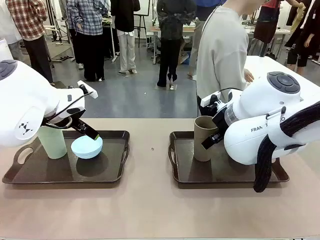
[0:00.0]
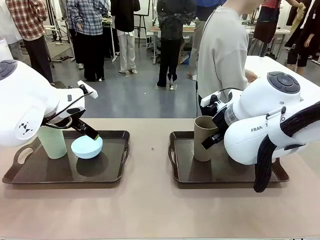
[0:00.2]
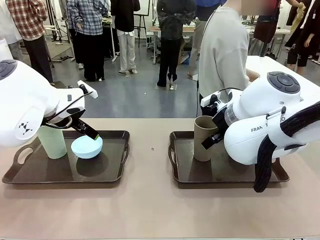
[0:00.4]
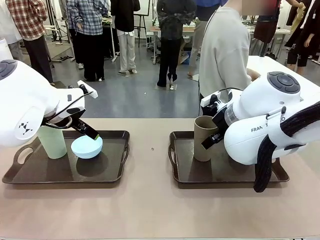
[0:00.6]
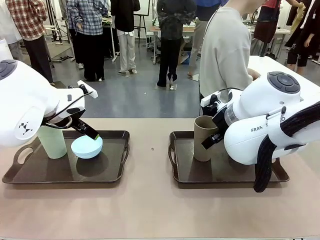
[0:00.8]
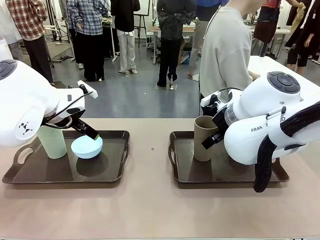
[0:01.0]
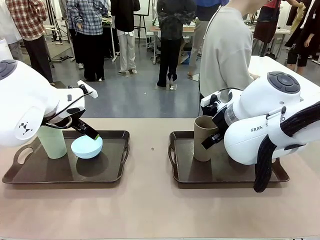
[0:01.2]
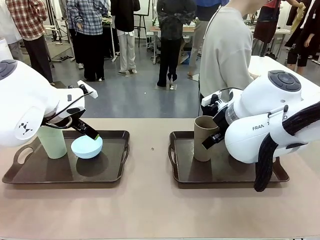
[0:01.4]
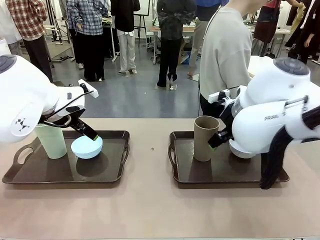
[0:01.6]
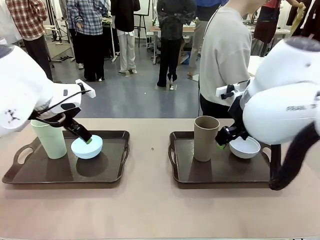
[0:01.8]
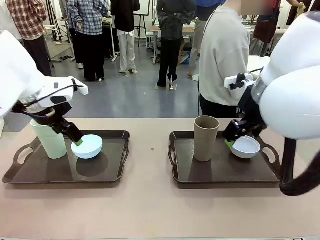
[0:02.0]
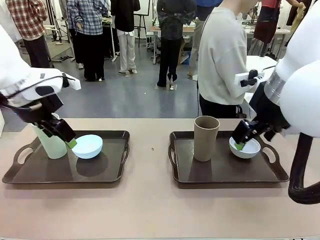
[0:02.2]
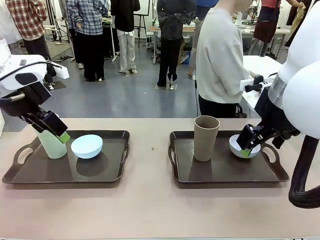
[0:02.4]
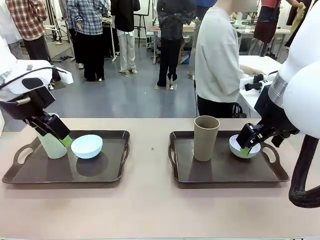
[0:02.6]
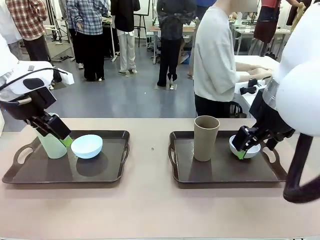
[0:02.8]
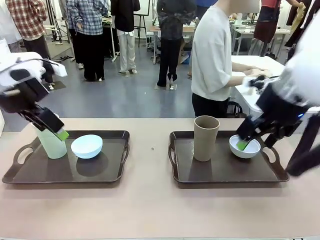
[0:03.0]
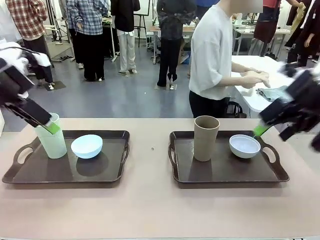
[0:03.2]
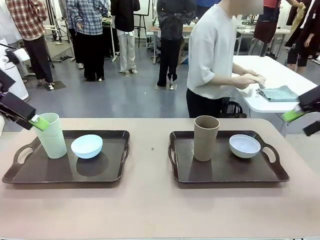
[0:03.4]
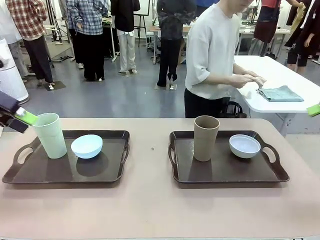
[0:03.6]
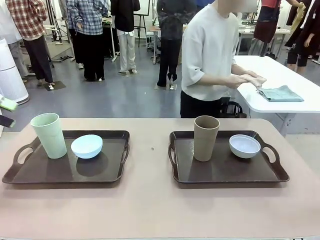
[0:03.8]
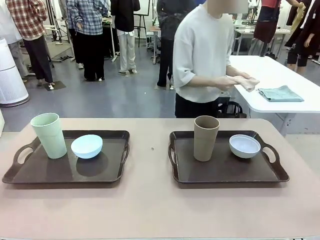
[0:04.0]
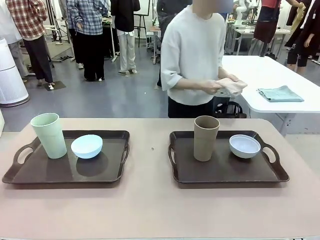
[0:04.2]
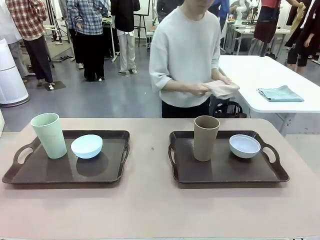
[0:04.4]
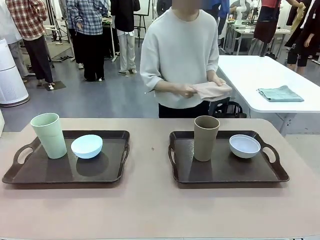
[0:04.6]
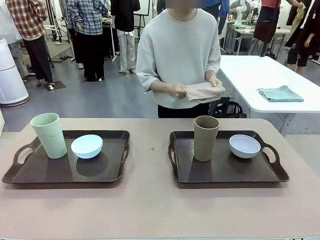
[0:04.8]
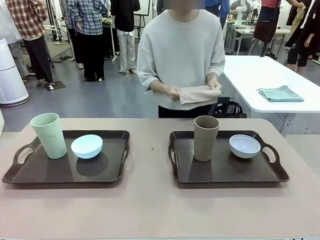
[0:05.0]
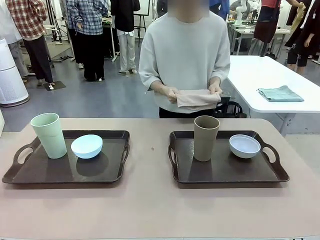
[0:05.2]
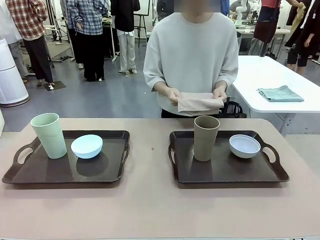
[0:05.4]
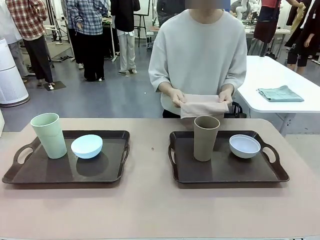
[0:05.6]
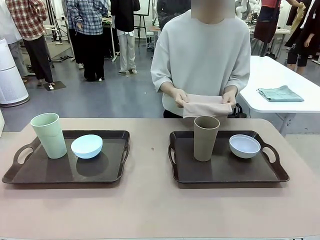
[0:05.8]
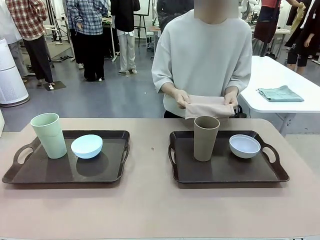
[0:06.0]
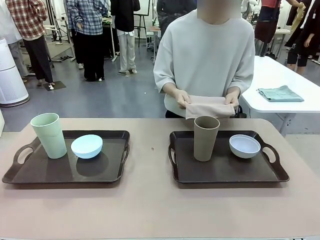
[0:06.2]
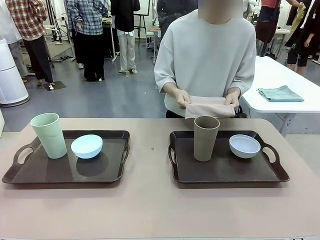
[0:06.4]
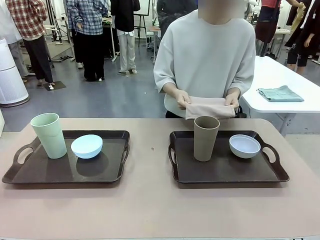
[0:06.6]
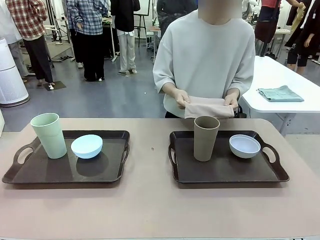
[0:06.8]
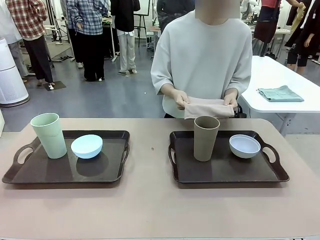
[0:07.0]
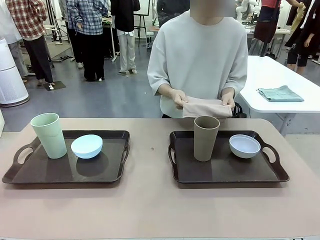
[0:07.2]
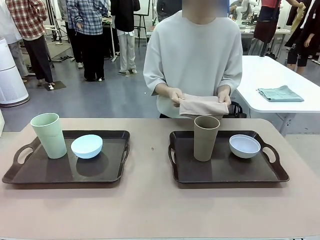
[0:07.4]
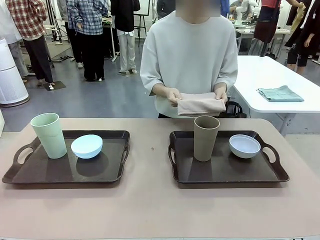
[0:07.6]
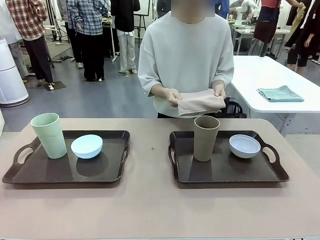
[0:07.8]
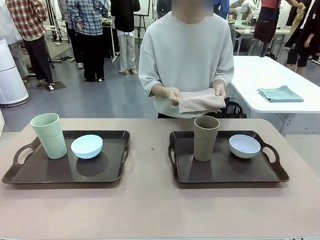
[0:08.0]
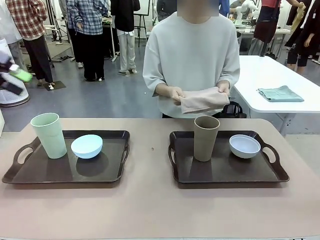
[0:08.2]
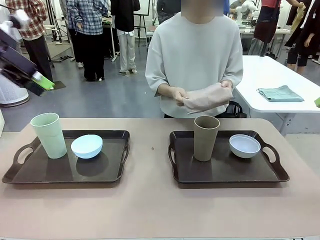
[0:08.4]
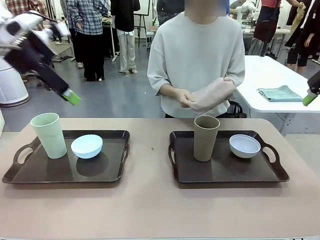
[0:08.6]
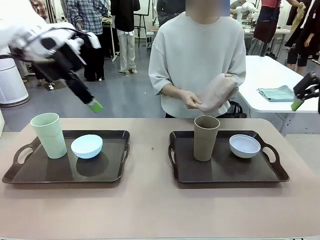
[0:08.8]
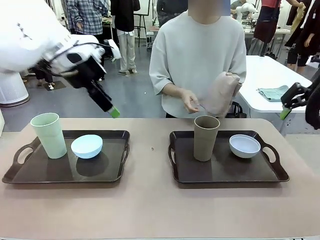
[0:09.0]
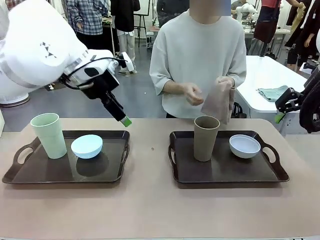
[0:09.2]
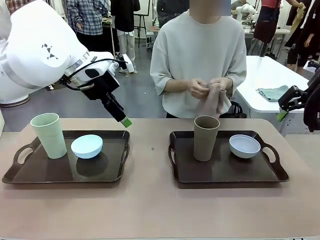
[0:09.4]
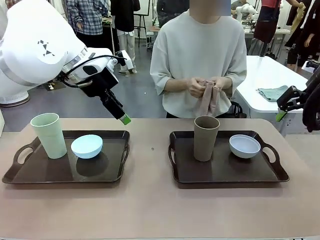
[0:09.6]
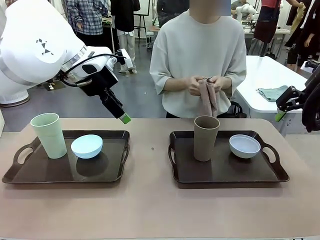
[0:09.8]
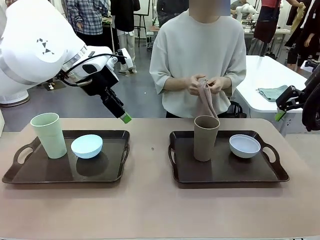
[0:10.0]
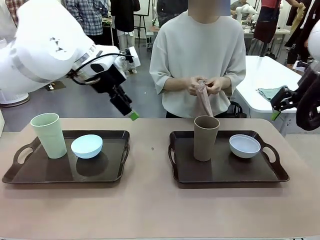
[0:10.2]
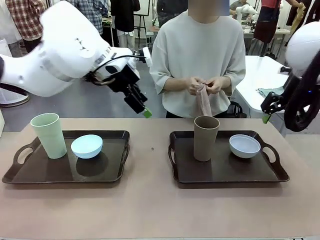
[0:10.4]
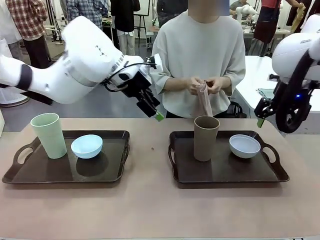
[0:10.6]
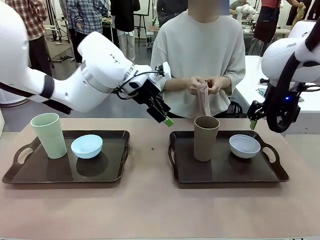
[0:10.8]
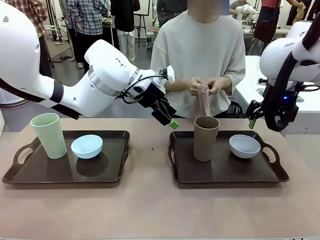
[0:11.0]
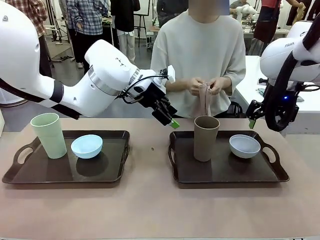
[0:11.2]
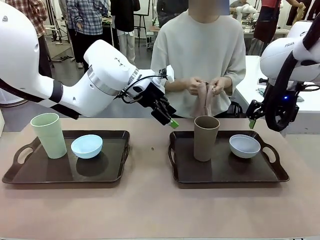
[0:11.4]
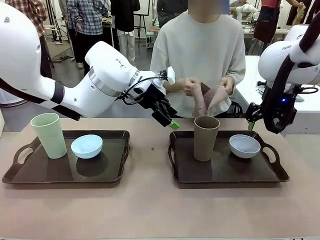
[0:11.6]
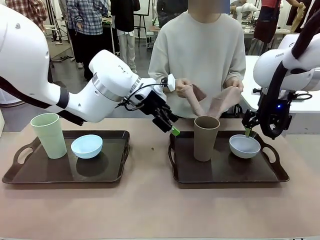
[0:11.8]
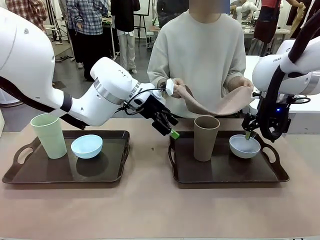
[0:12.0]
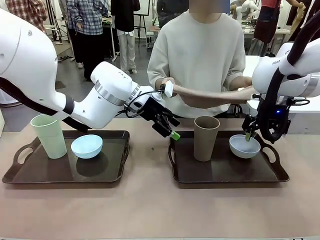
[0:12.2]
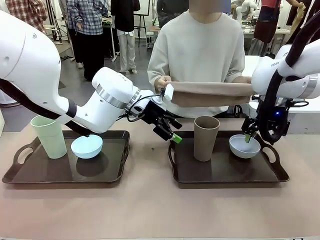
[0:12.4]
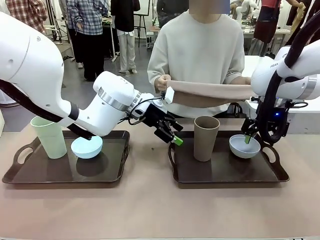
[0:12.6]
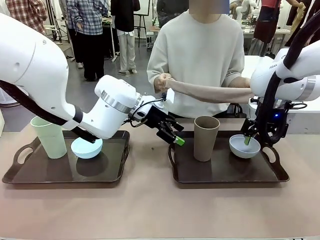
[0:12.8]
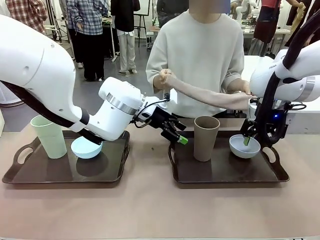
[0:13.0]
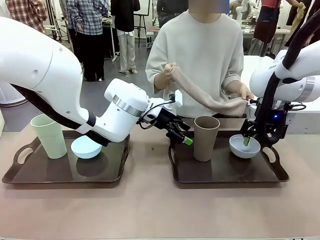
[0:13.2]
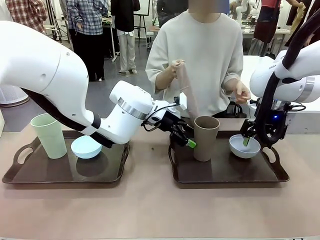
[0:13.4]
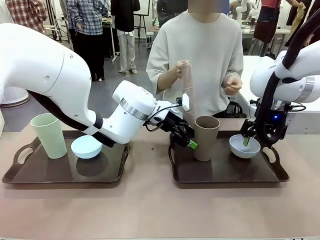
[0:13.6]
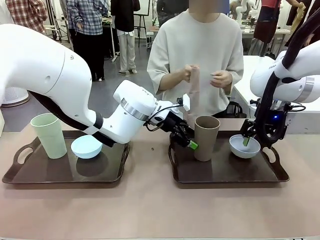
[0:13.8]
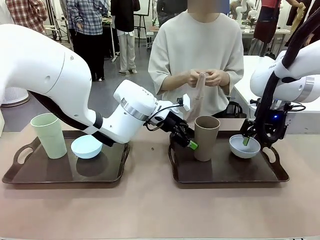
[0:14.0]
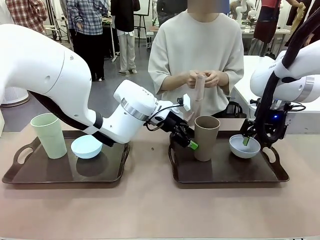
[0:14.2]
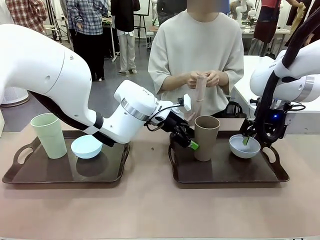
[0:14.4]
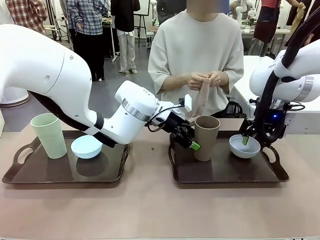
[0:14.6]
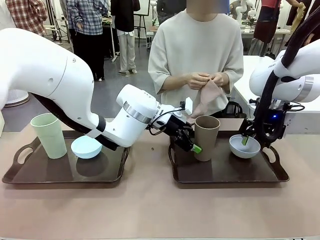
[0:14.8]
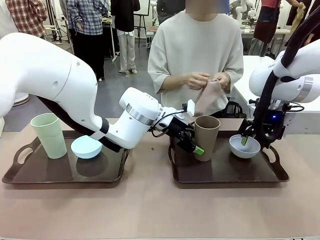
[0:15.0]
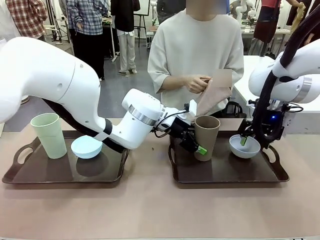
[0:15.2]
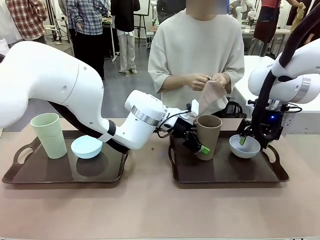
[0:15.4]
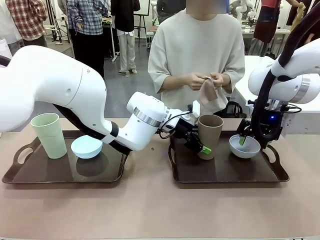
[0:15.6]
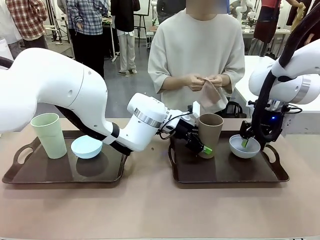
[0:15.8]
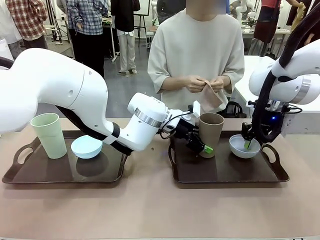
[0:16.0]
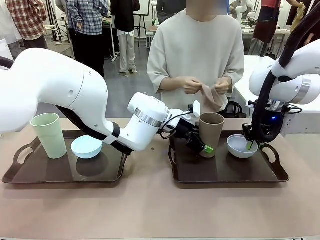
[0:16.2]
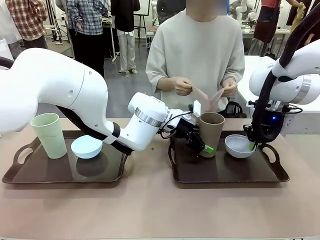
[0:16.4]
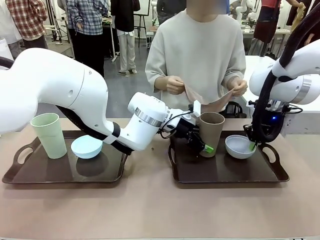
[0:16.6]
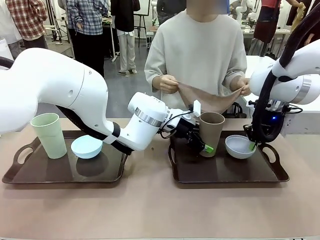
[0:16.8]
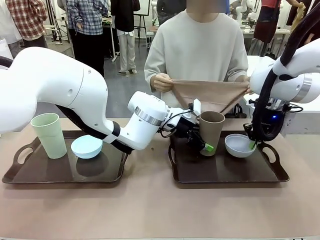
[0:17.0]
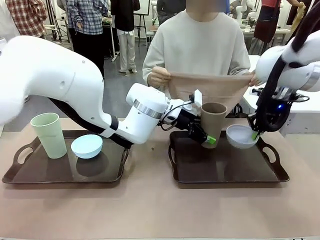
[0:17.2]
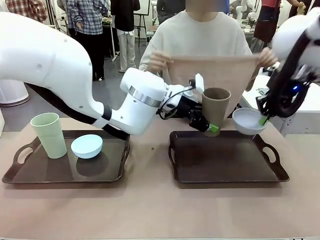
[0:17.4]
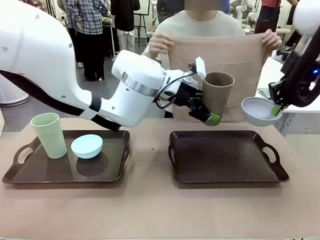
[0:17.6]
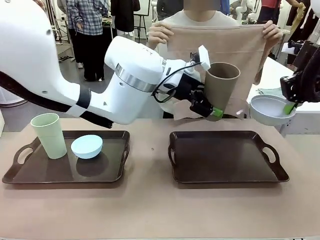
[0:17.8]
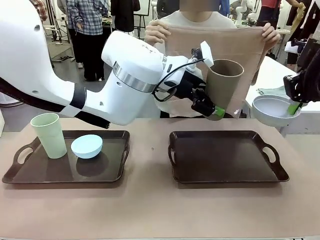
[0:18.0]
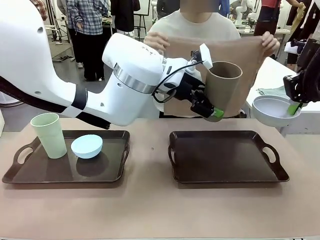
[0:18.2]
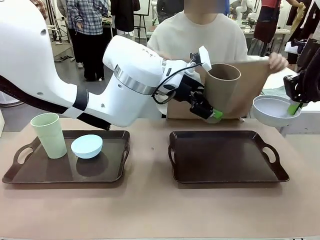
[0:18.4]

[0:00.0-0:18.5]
Robot: Pick up the Picnic Bowl and Reusable plastic cup from the Handle tray in front of the human's position and hold them in the air.
Person: The human picks up the top napkin from the stack on the human table and walks to the robot table to stand in front of one of the two trays. When the robot lifts the bowl and the cup, the human unfolds the napkin and lays the napkin flat on the tray.
